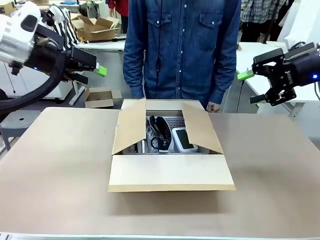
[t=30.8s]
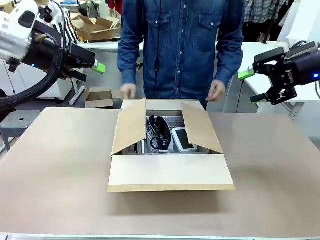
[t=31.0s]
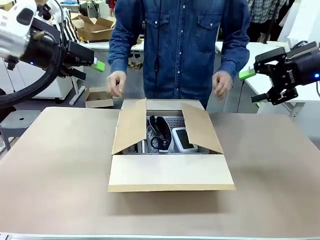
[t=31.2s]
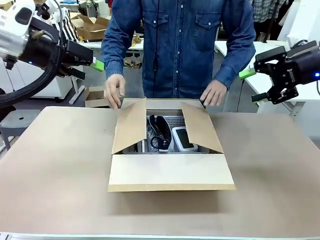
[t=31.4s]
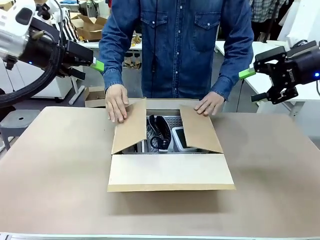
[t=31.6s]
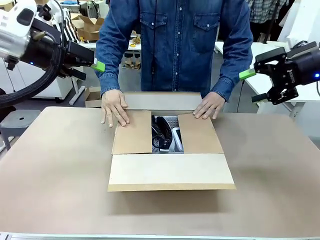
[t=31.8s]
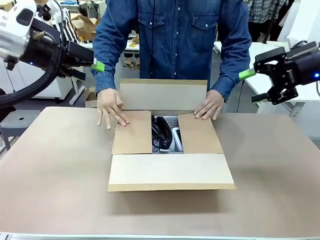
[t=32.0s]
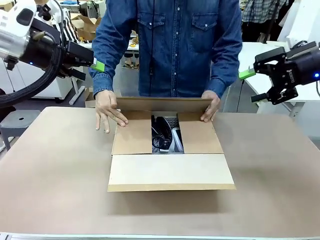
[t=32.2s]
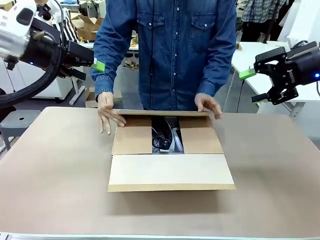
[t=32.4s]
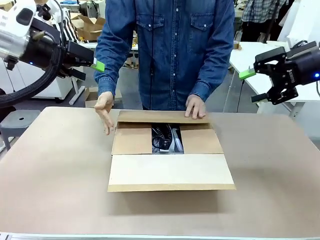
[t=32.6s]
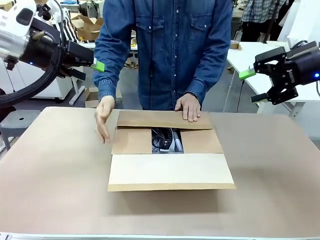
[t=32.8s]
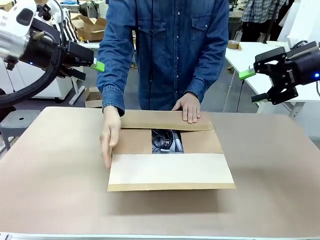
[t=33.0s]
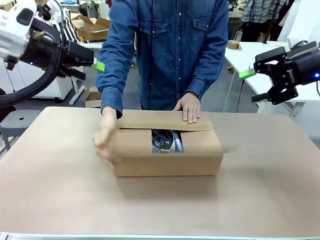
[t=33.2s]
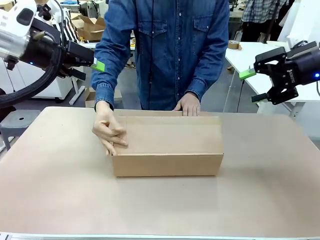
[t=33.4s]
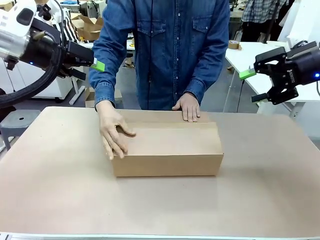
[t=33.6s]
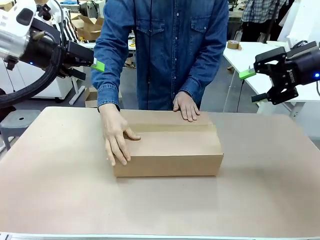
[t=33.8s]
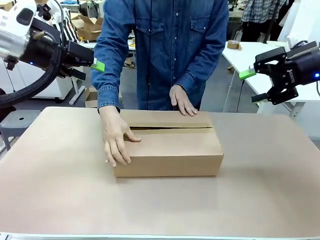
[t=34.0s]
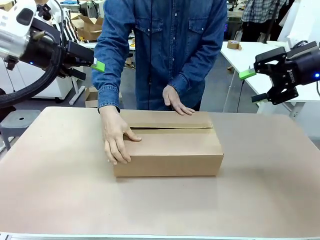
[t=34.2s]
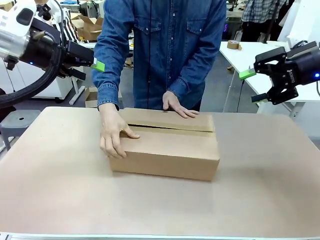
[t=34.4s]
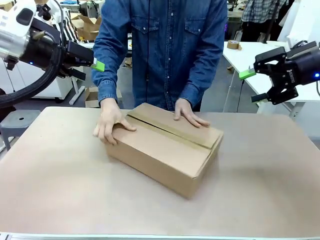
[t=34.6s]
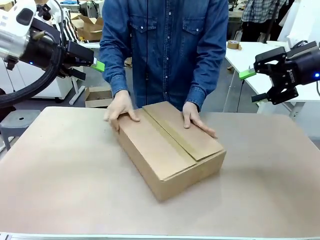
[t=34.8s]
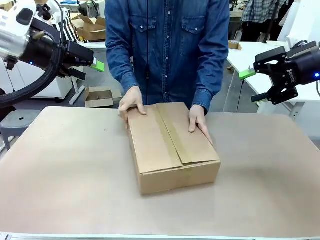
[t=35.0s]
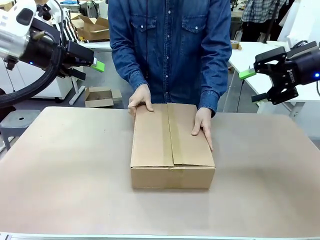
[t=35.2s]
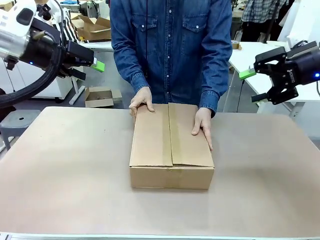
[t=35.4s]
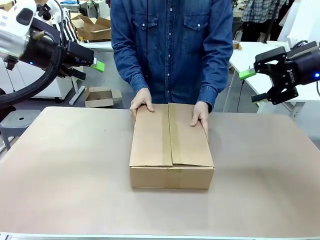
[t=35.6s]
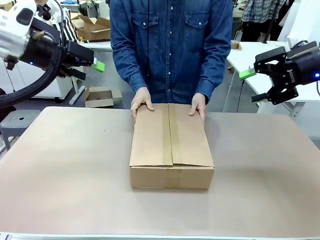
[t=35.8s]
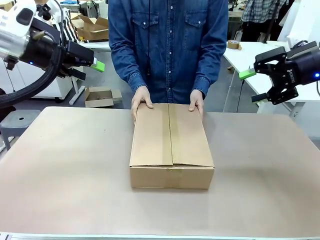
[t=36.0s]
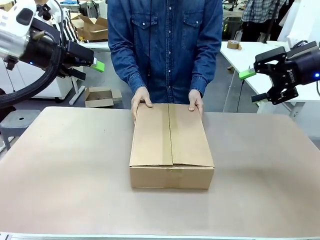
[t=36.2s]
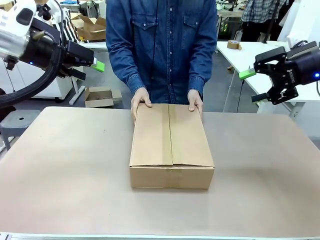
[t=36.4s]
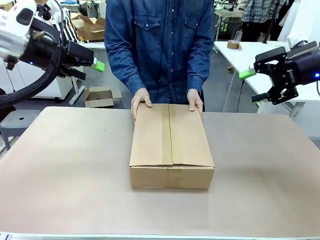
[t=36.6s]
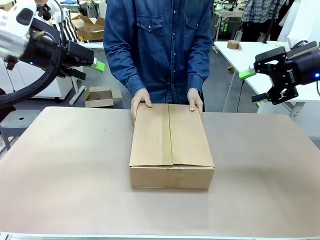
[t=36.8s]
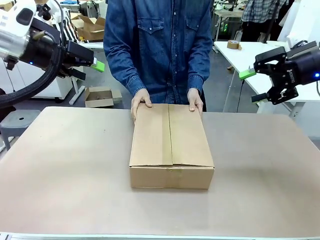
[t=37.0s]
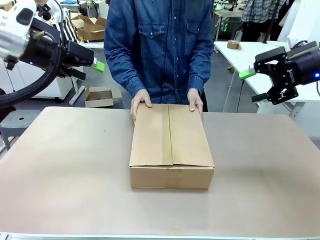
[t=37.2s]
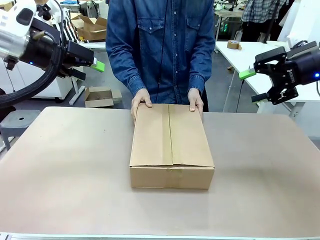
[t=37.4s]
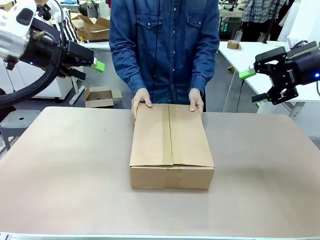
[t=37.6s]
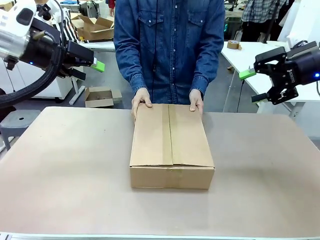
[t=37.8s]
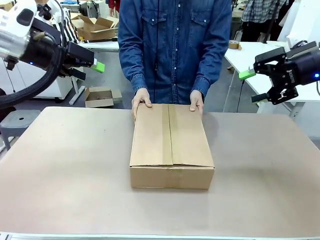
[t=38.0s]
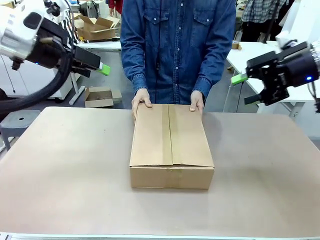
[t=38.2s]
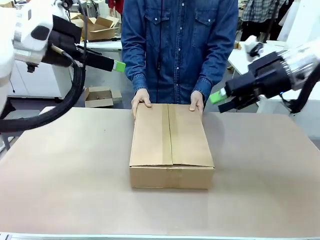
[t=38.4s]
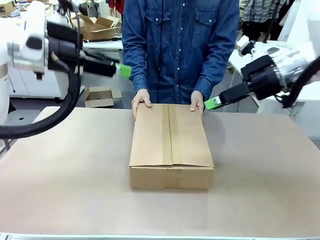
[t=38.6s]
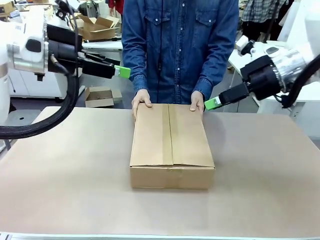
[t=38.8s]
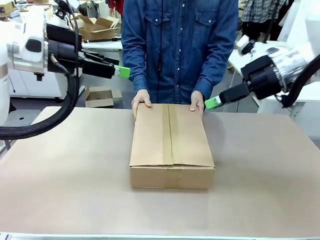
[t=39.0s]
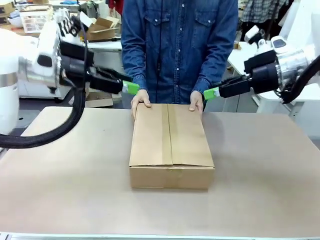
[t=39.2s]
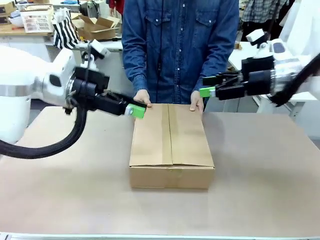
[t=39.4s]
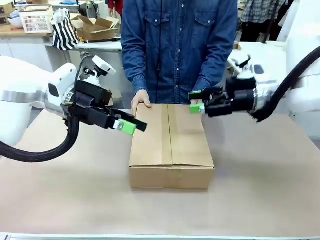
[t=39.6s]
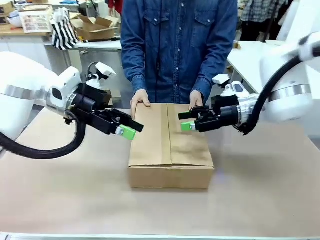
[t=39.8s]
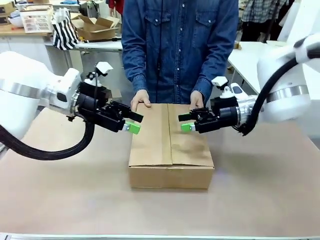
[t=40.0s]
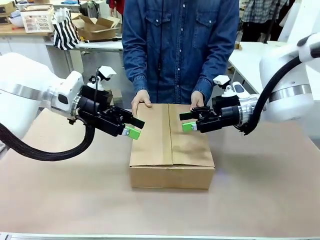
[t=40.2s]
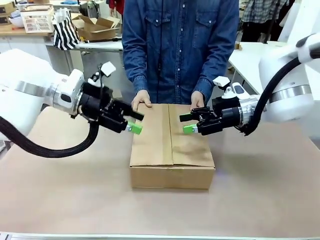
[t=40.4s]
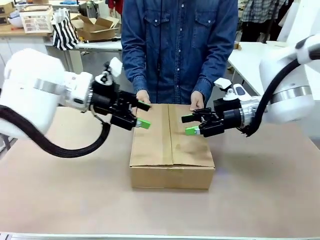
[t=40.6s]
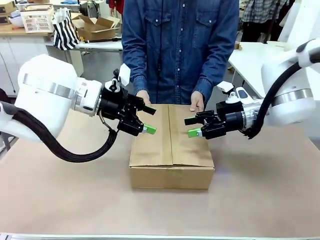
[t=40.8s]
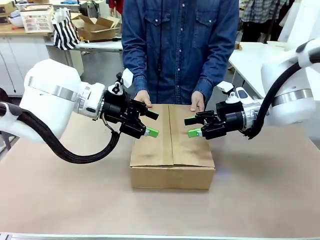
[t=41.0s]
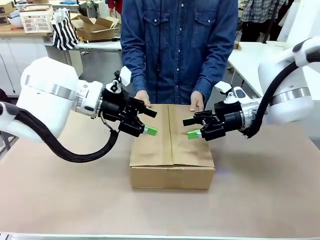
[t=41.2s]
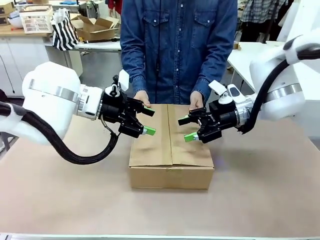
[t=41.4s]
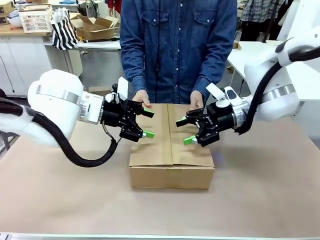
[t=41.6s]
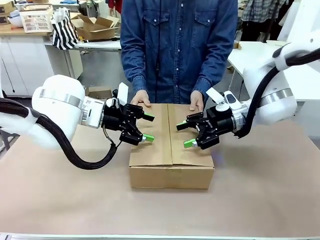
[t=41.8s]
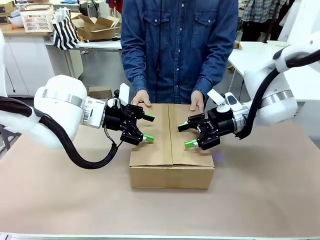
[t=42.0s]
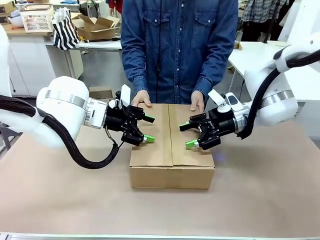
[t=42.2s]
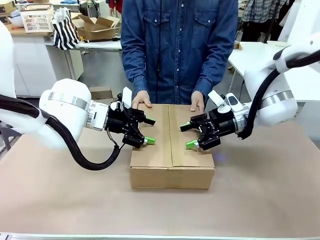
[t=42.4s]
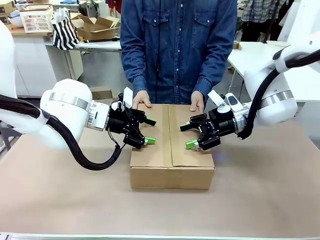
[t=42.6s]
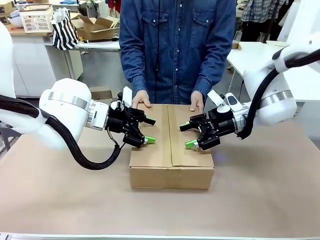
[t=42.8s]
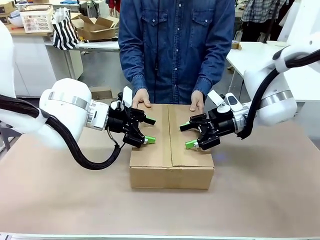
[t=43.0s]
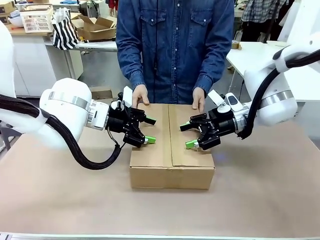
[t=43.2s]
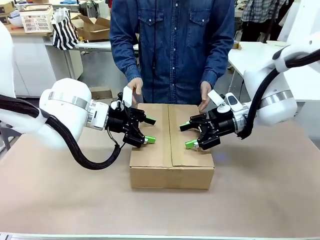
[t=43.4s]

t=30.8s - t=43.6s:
Task: Pack the gift set into the box.
Robot: Press and hold the closed box until the human finishes sealing it.
Person: The human closes the box and rotates the box by 90 degrees.

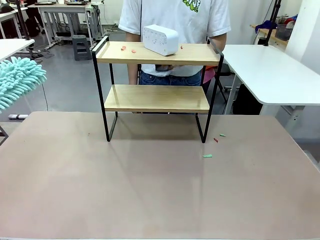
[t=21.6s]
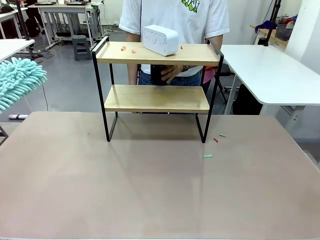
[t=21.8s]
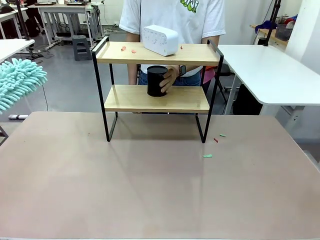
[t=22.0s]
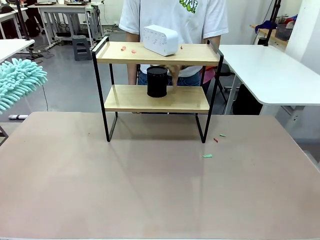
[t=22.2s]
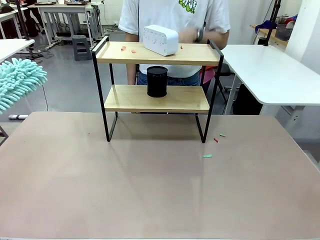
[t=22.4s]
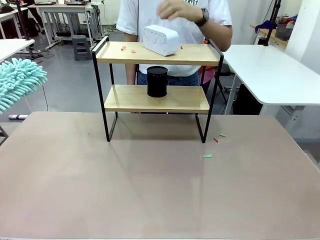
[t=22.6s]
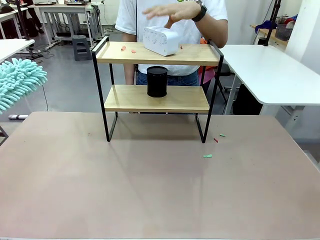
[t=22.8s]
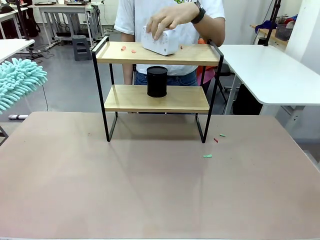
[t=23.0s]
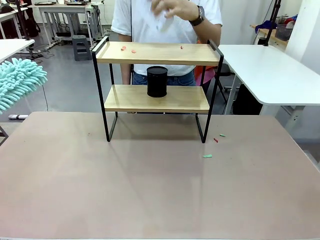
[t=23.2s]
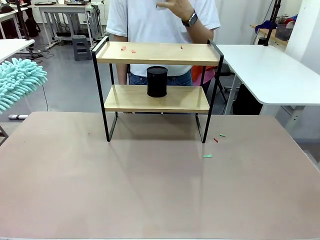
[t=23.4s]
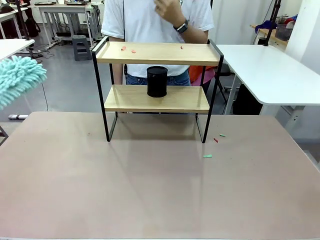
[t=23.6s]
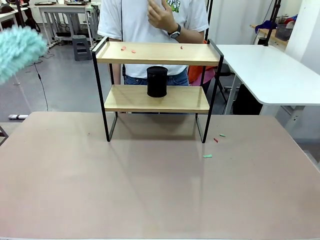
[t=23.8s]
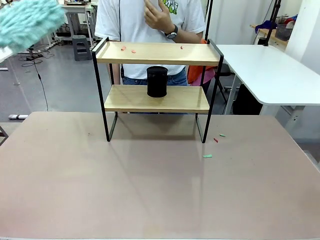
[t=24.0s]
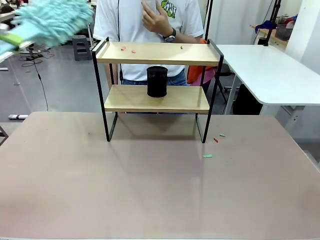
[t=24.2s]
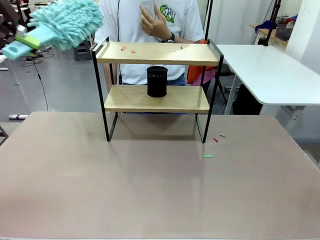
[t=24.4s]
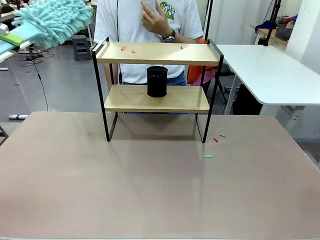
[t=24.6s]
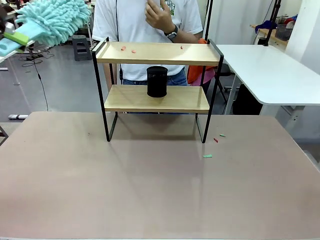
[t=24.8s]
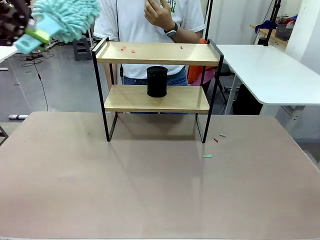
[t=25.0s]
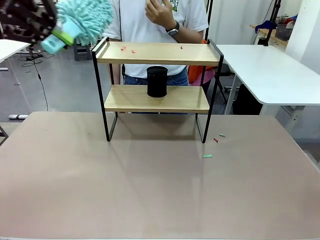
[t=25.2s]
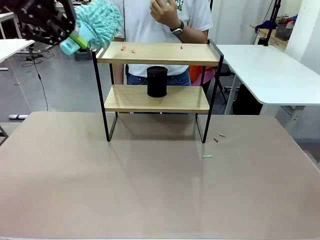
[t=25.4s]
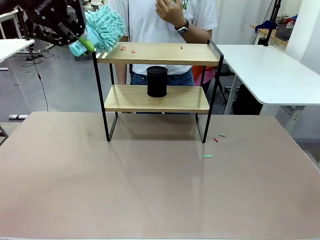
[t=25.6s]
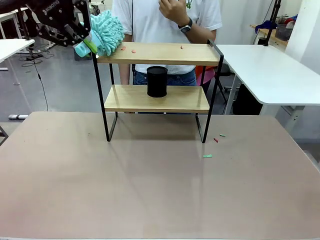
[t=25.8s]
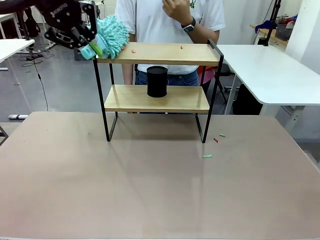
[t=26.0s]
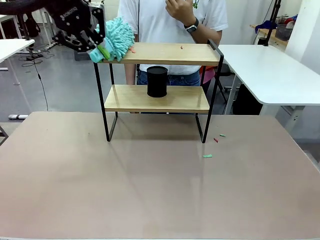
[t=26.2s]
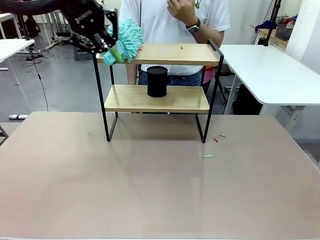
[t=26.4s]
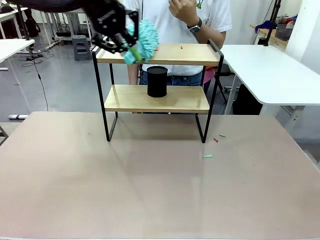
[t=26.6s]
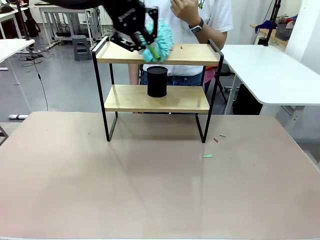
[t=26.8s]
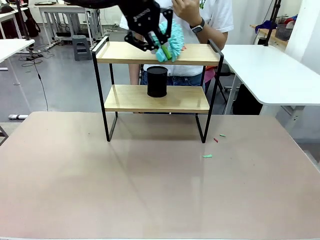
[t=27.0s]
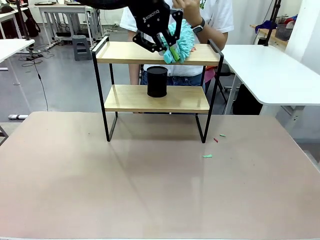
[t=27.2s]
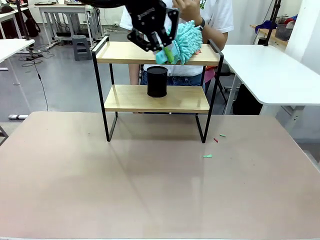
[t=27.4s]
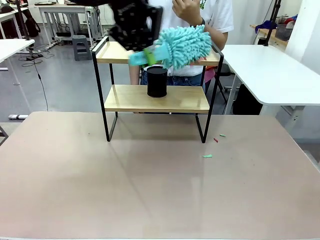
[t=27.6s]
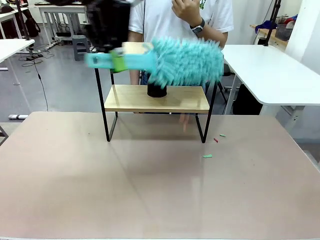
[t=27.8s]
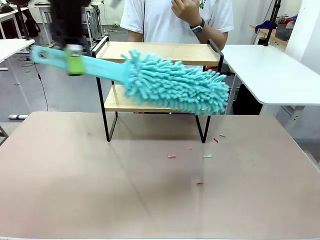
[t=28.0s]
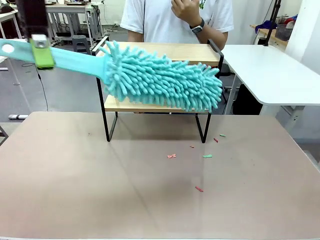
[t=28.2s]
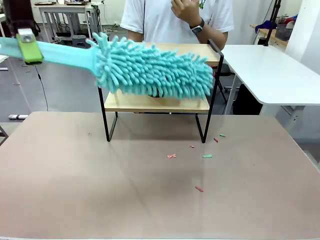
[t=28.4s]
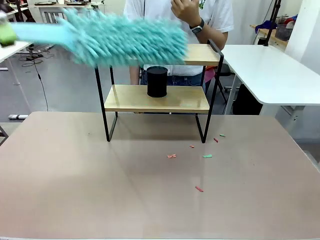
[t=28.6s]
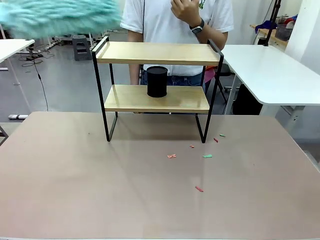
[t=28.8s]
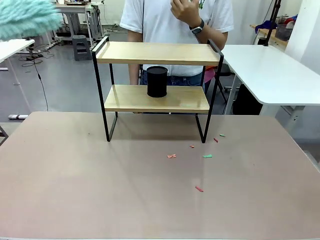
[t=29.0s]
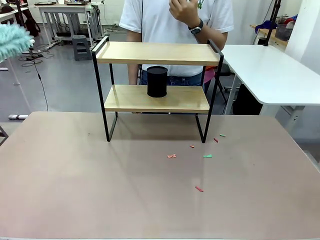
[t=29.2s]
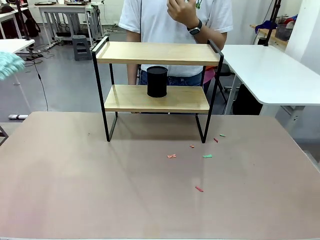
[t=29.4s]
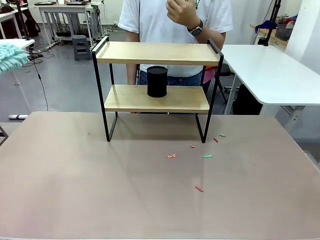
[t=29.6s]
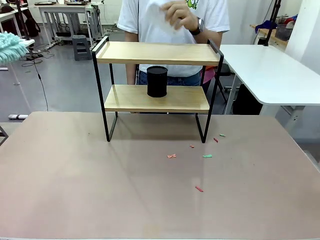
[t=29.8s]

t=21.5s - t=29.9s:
Task: Clean the shelf.
Robot: Clean the remaining tier of the Shelf with the Duster once objects are removed.
